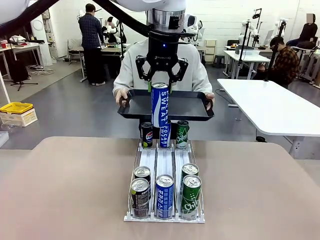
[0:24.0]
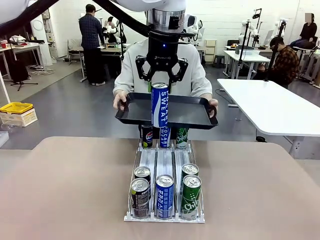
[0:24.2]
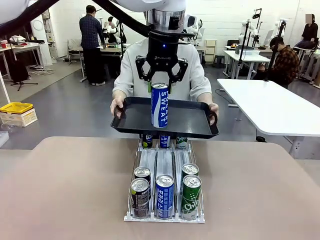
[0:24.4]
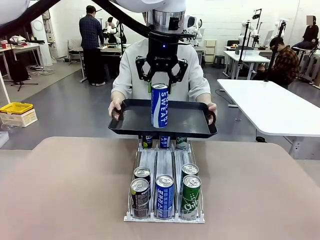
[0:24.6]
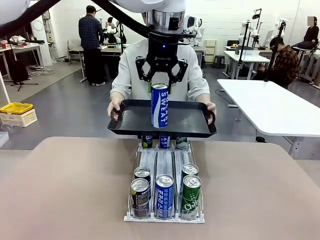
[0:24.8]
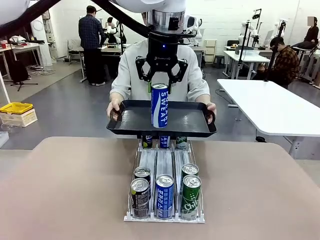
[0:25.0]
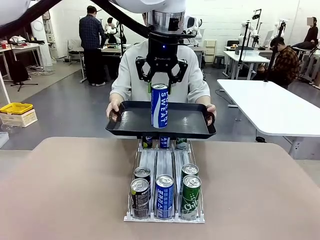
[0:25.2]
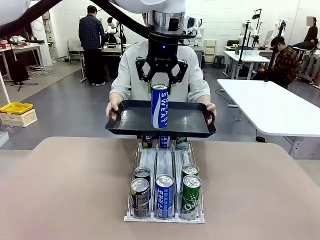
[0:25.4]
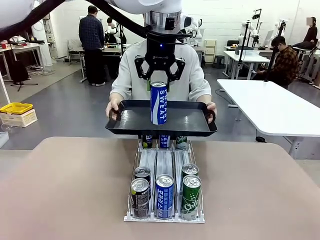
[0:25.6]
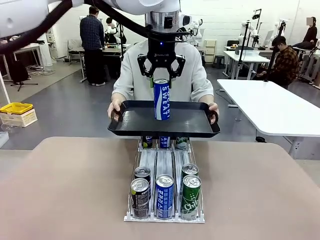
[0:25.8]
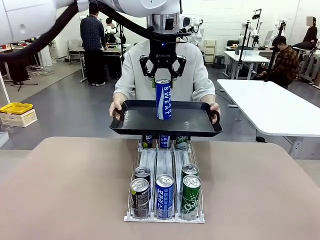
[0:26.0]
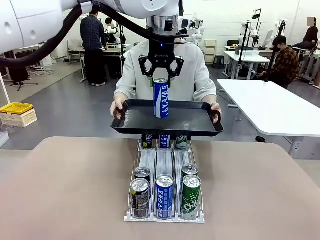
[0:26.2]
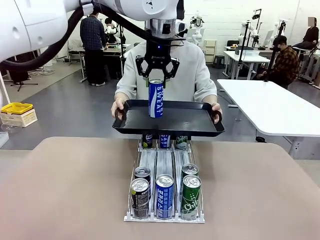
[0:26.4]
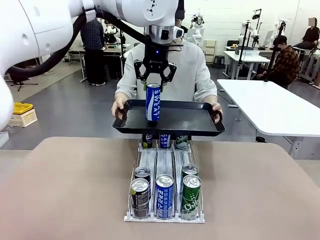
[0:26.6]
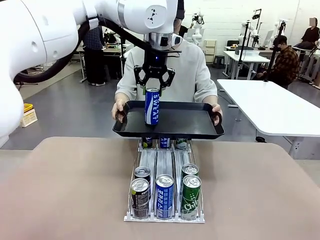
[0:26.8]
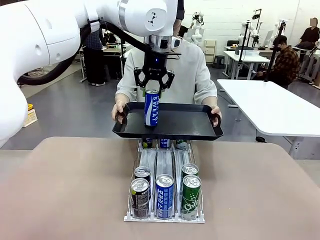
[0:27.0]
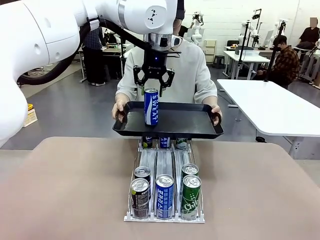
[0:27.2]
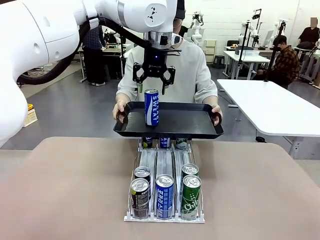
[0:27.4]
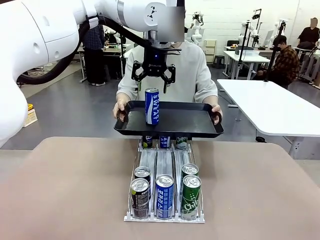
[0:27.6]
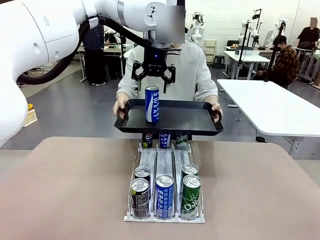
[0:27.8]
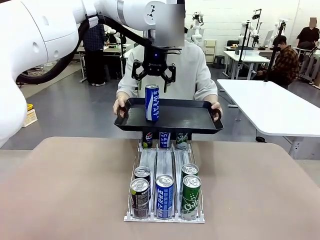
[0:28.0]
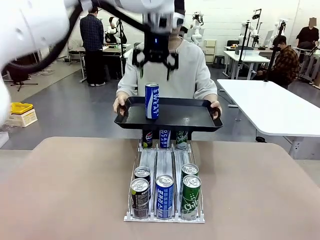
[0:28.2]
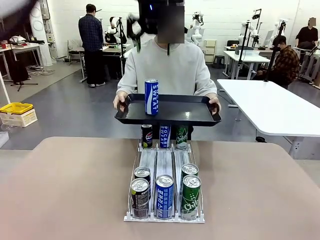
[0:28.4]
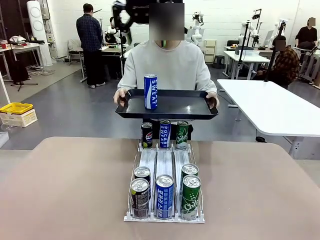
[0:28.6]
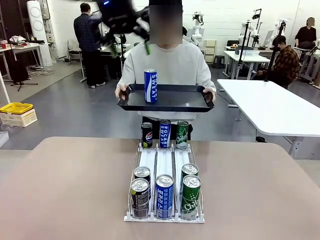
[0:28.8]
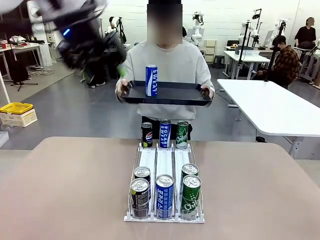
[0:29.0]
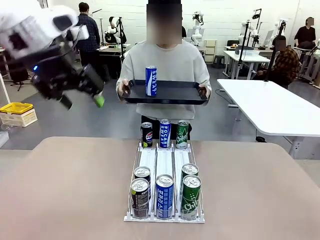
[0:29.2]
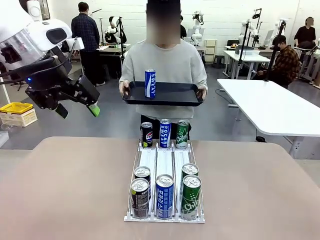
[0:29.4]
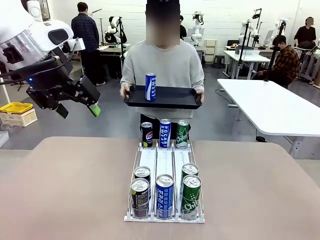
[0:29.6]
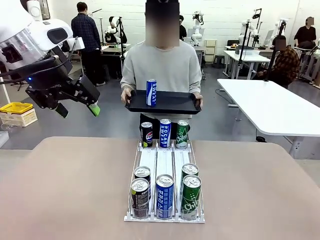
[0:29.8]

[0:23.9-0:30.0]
Task: Retrieve and hand over the desired beverage to the person.
Robot: Place the picked can on the Handle tray extended by the person.

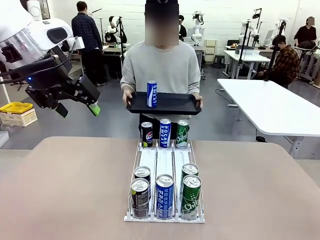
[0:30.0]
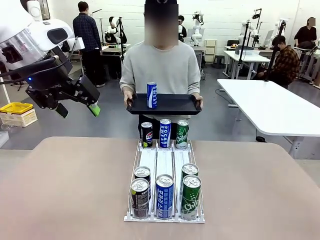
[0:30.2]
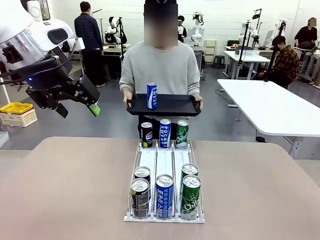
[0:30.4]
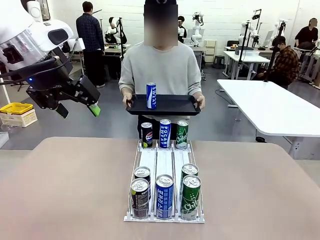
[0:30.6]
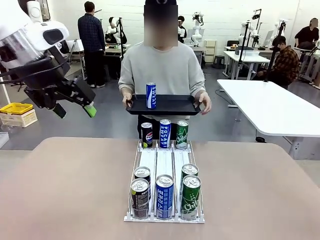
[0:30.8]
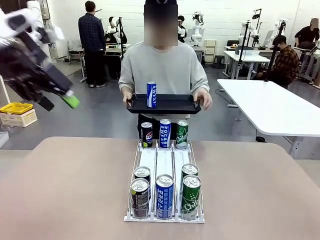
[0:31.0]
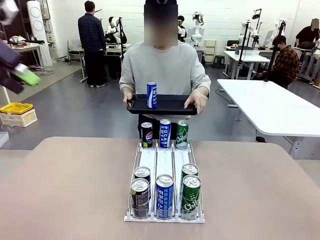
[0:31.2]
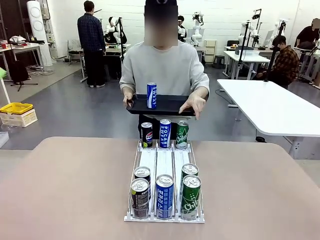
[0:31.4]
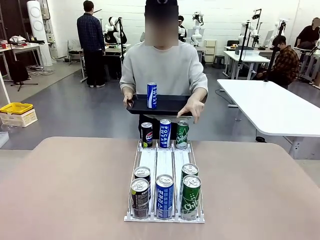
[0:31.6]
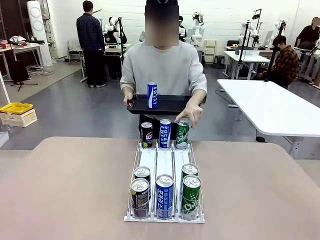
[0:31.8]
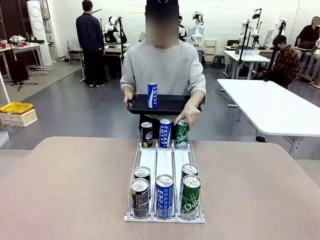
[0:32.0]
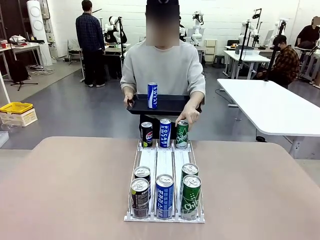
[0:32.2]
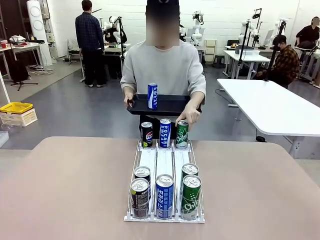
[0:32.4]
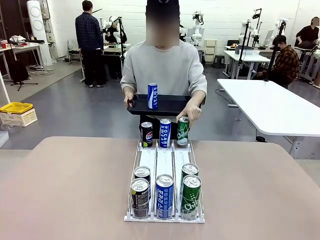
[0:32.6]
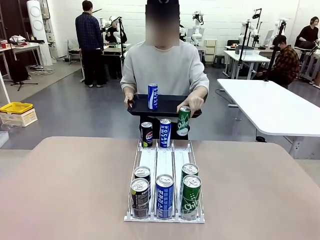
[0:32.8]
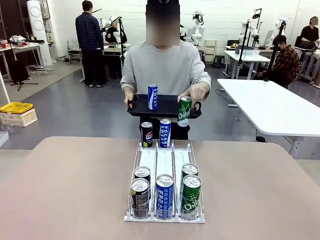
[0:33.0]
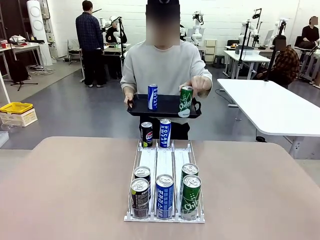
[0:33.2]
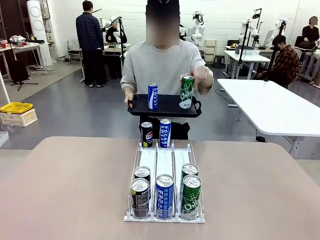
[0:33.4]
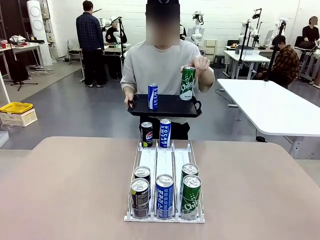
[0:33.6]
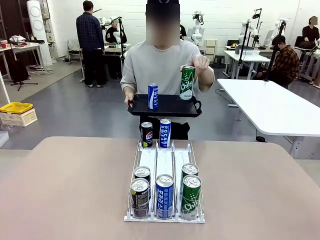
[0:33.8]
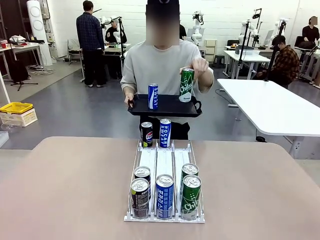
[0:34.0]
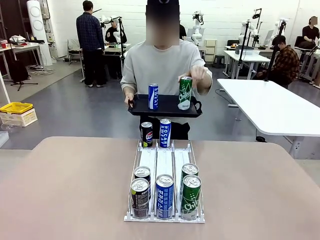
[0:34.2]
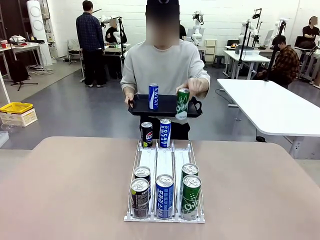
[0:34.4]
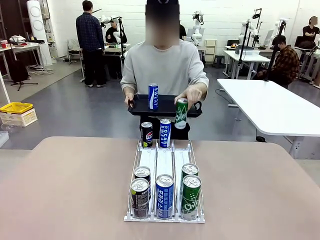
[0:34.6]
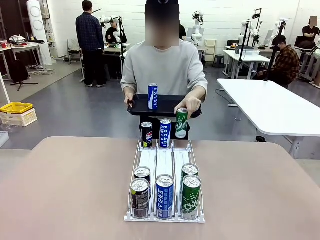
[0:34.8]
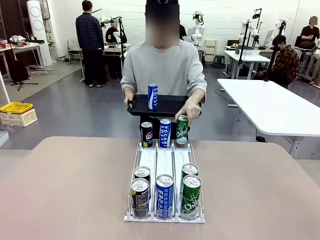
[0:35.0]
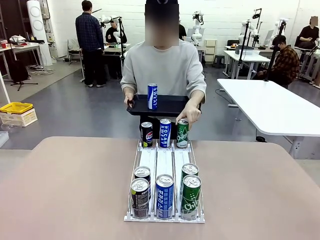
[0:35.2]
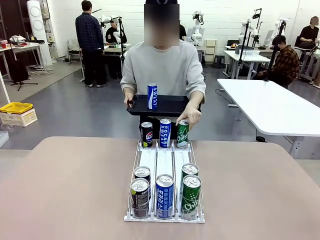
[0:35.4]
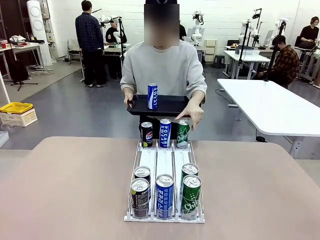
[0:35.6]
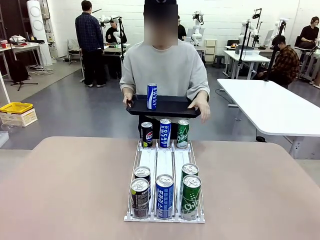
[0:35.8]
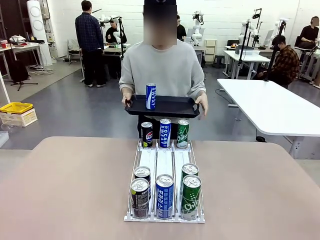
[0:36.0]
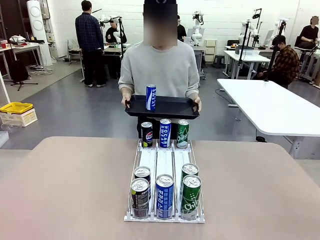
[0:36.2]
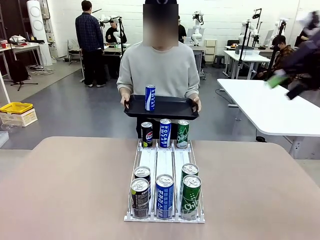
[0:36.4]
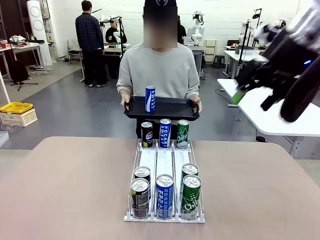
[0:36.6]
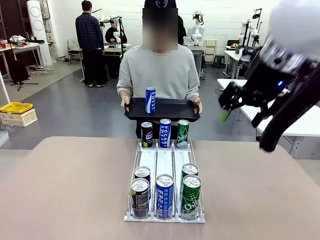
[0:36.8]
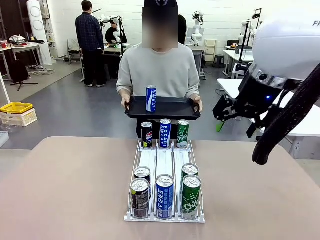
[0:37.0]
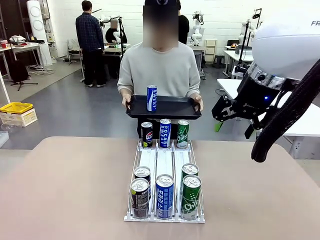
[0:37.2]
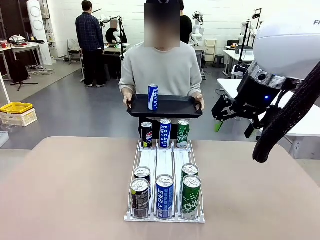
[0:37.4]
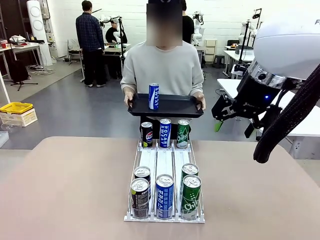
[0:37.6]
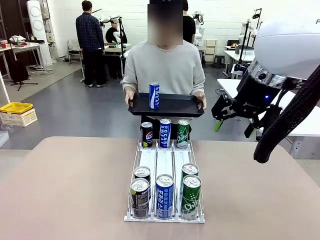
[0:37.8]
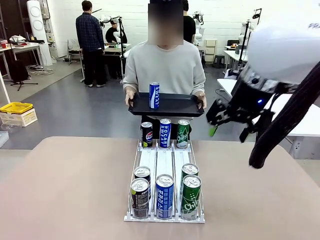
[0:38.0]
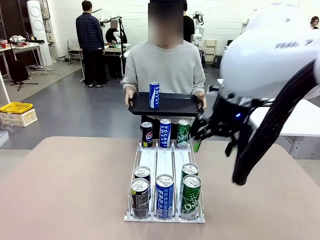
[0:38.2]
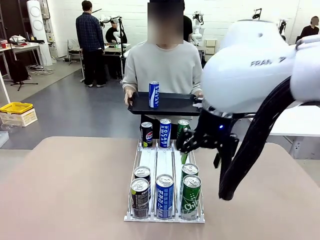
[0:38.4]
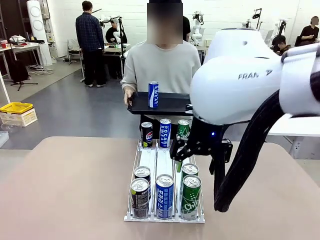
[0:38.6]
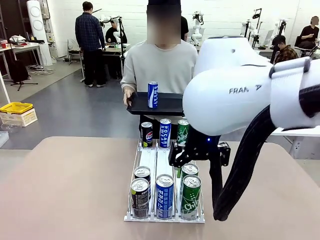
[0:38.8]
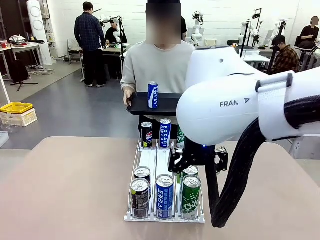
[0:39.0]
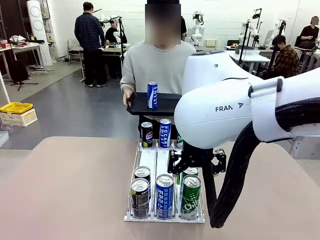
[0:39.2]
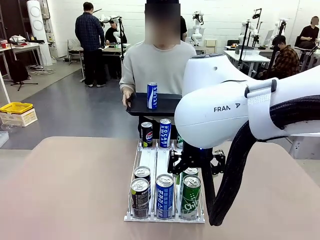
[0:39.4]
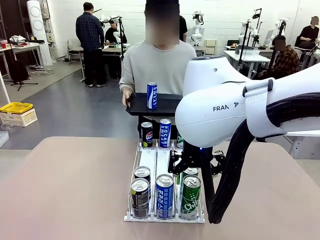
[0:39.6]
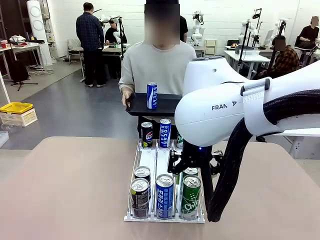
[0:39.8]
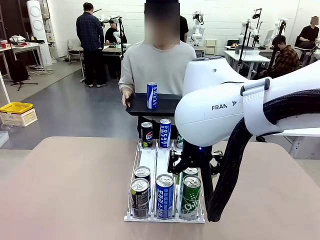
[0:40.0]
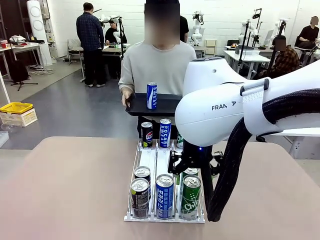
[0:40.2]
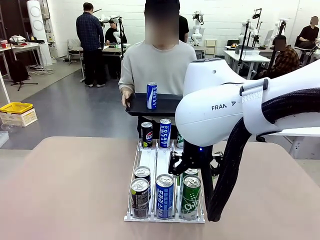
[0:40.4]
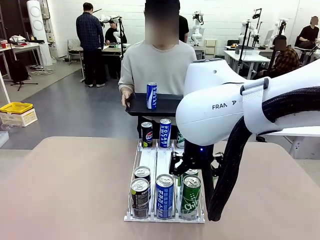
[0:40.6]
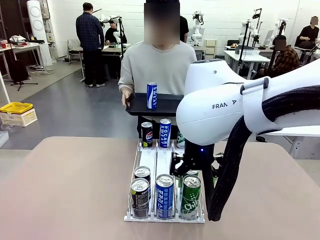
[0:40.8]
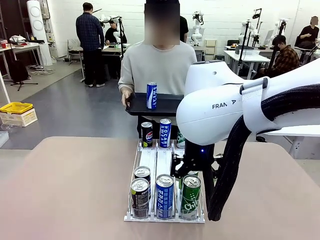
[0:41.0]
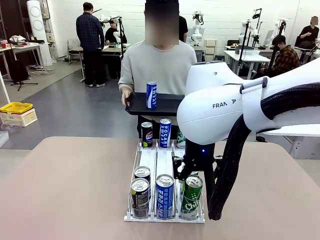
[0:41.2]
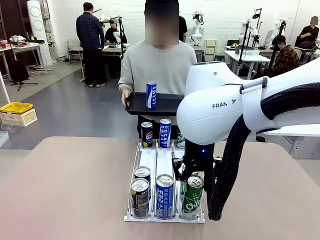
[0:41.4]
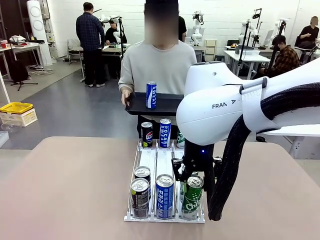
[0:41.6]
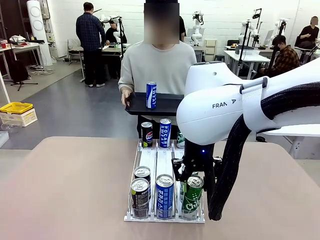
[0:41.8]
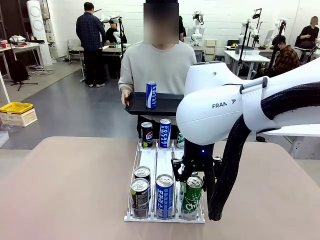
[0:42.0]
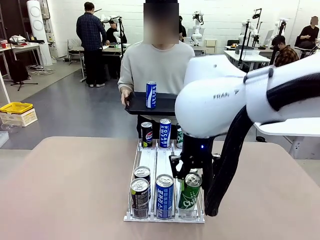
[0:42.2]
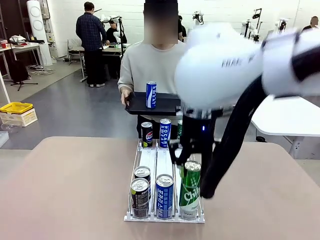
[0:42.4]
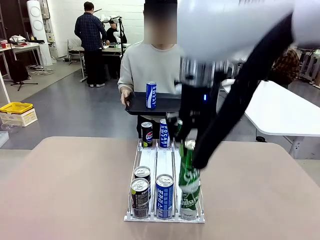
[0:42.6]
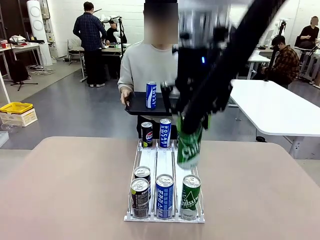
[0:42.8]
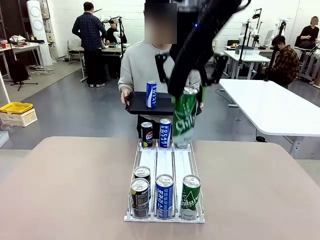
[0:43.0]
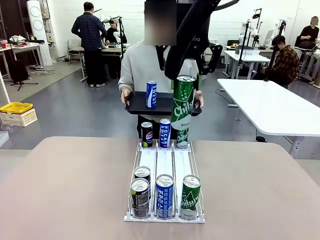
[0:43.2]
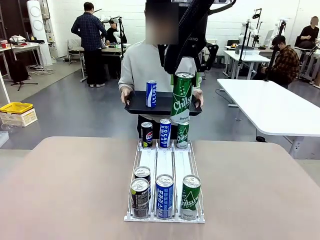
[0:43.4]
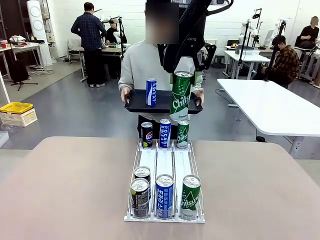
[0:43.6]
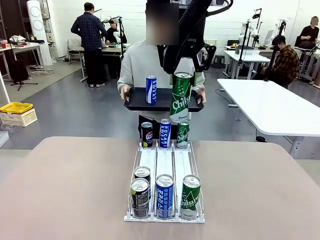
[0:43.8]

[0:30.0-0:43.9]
Robot: Pick up another can of the same type that the person held from the Automatic Can Dispenser.
Person: Pull the tray back, then pick up another can from the bottom area of the table and puts it back in its original place. Push the tray toward the robot again.
